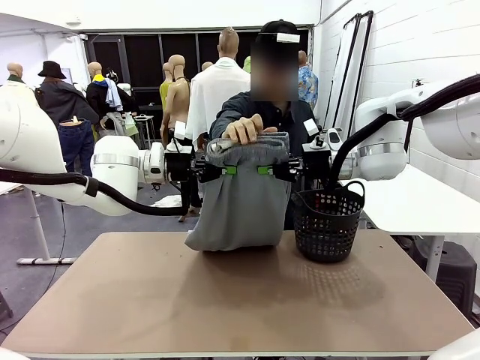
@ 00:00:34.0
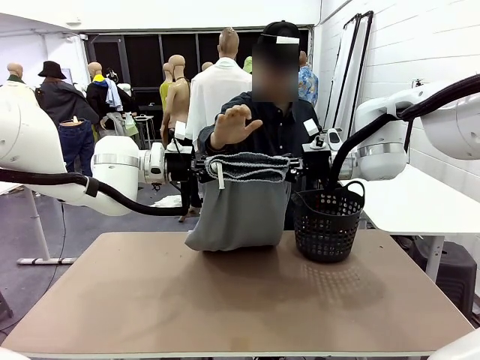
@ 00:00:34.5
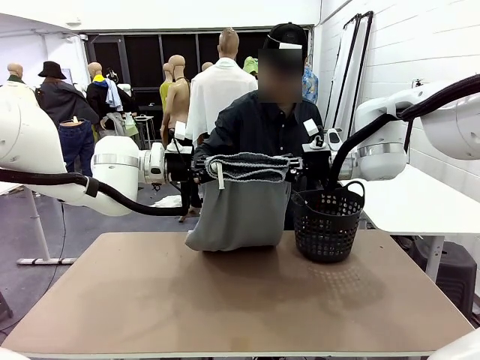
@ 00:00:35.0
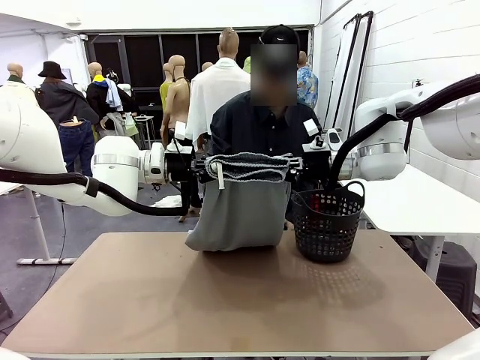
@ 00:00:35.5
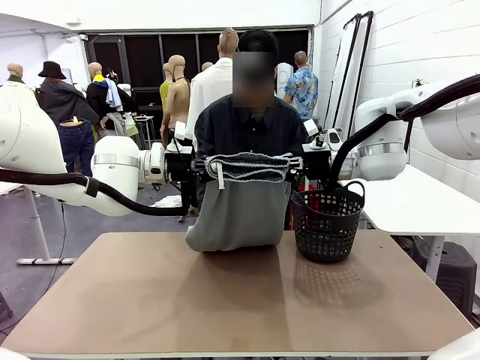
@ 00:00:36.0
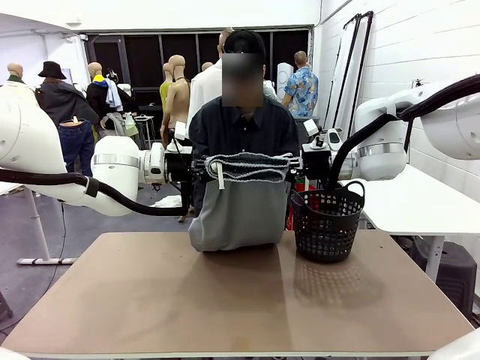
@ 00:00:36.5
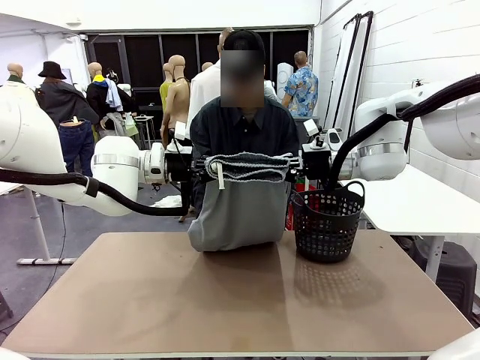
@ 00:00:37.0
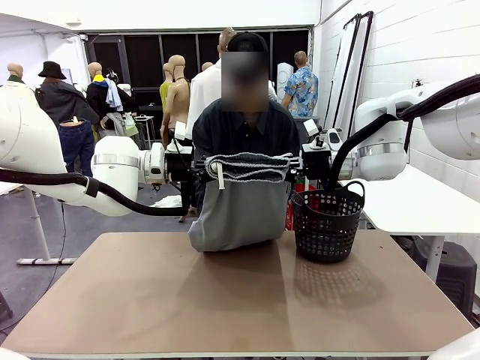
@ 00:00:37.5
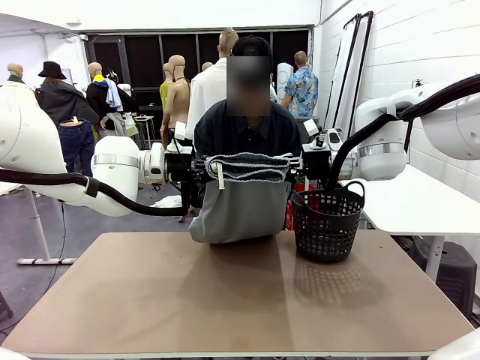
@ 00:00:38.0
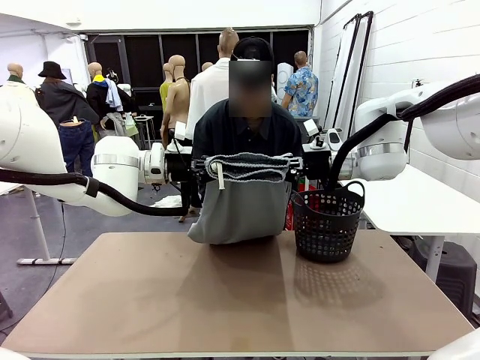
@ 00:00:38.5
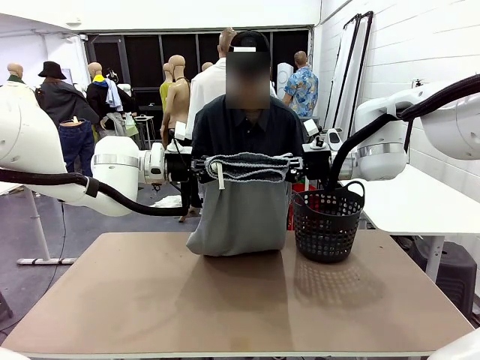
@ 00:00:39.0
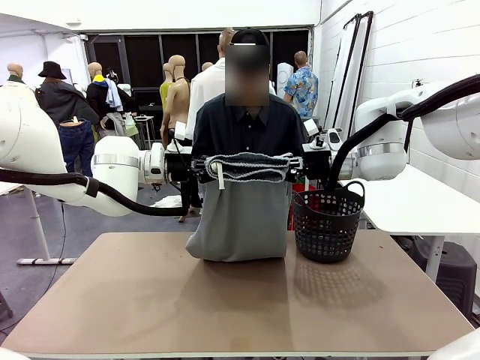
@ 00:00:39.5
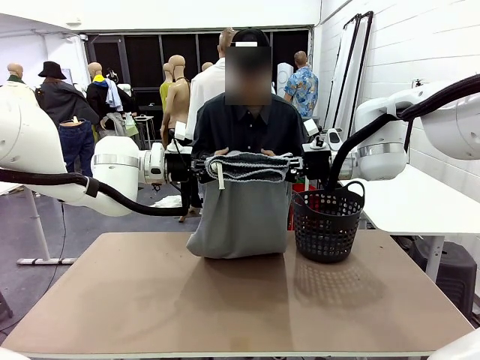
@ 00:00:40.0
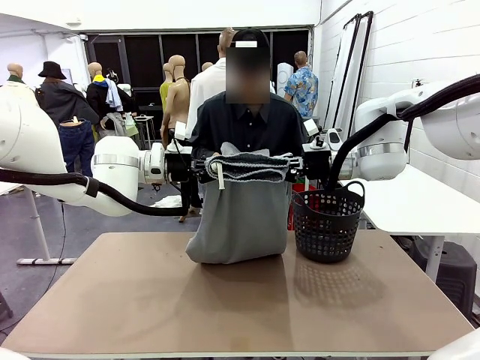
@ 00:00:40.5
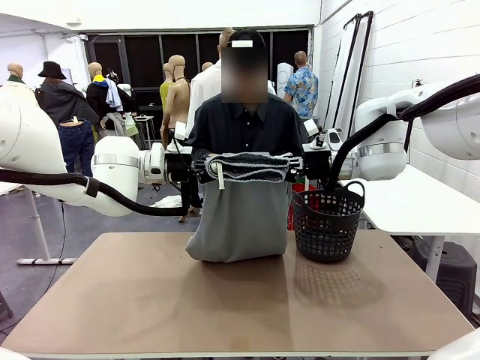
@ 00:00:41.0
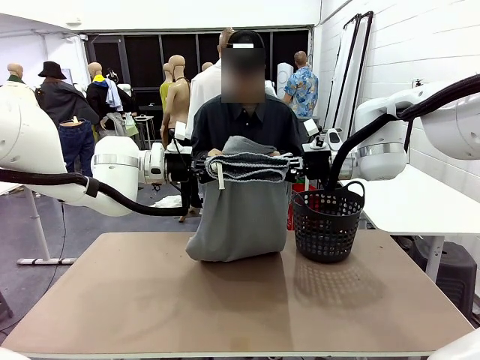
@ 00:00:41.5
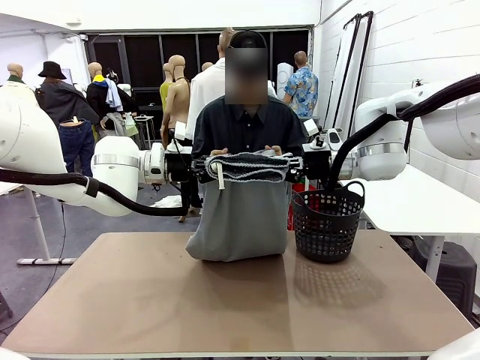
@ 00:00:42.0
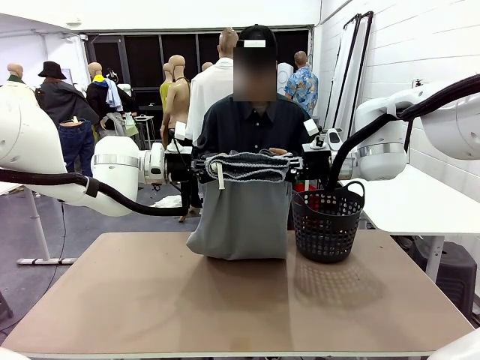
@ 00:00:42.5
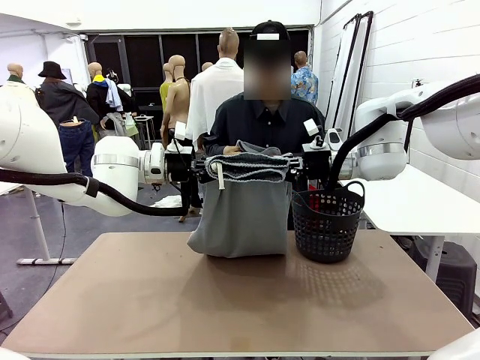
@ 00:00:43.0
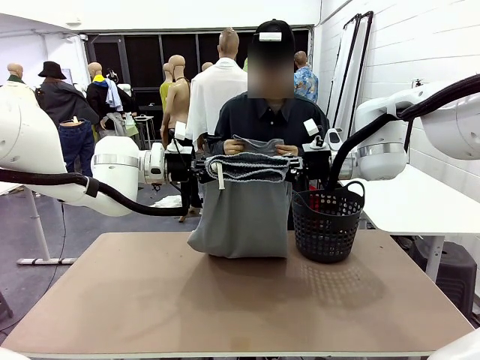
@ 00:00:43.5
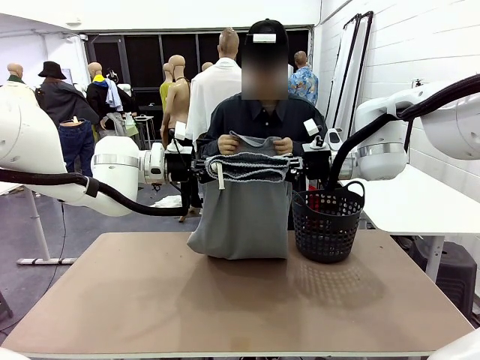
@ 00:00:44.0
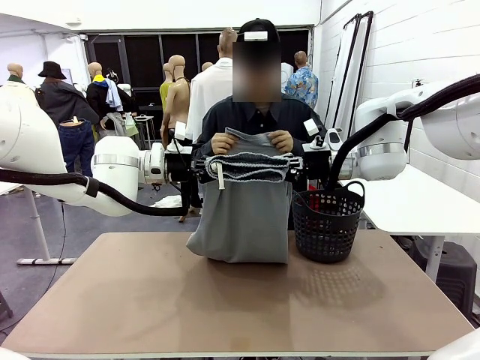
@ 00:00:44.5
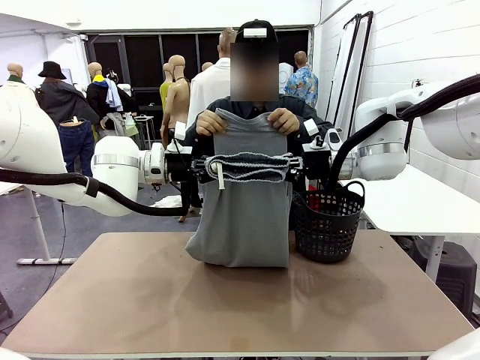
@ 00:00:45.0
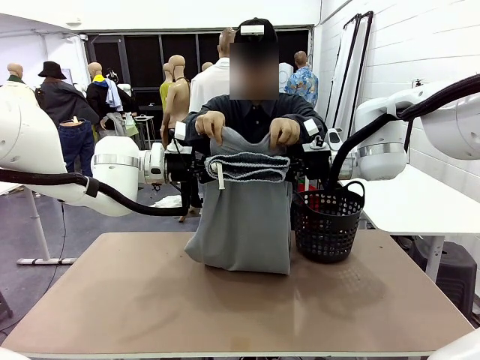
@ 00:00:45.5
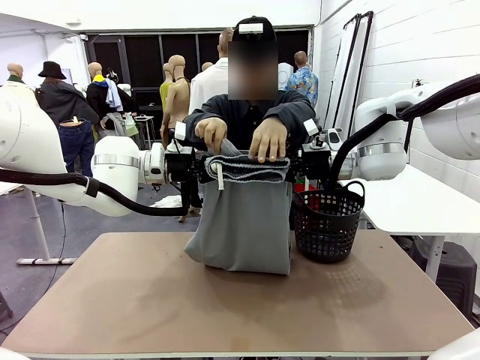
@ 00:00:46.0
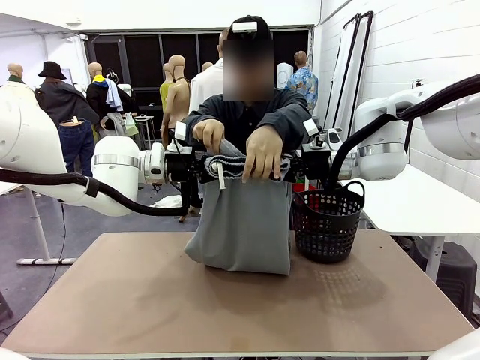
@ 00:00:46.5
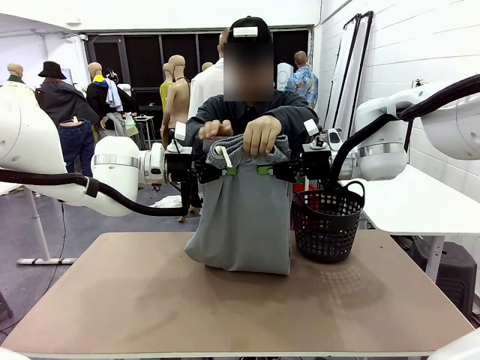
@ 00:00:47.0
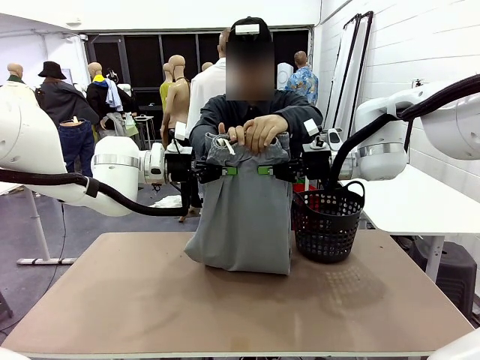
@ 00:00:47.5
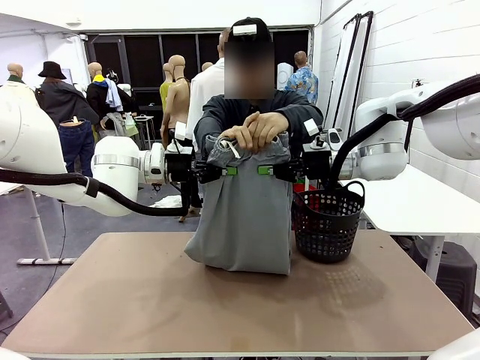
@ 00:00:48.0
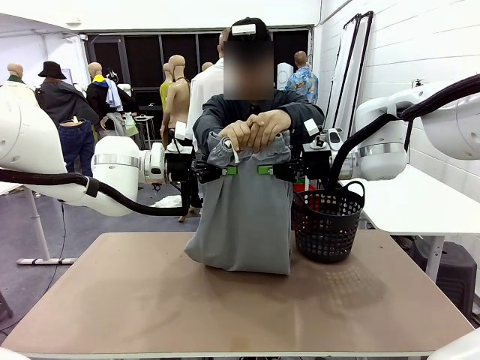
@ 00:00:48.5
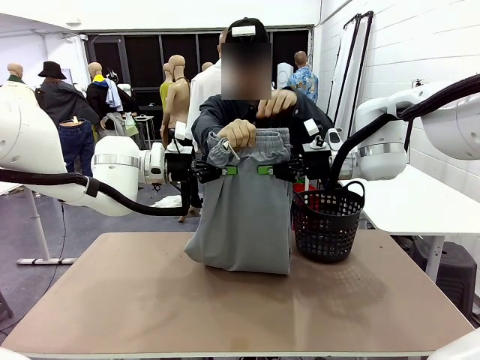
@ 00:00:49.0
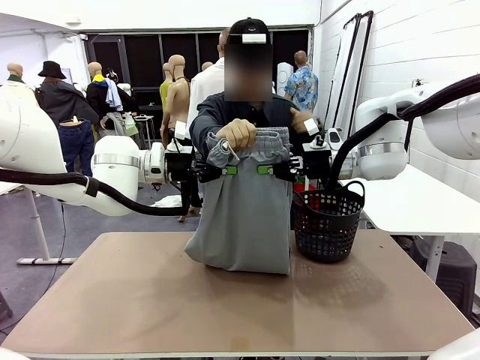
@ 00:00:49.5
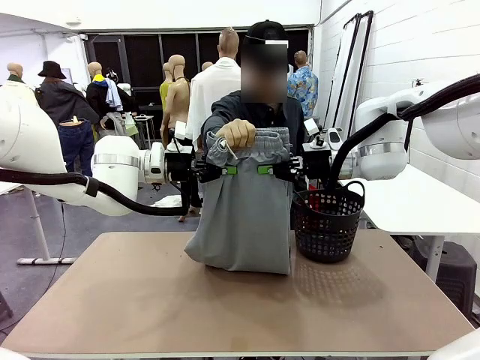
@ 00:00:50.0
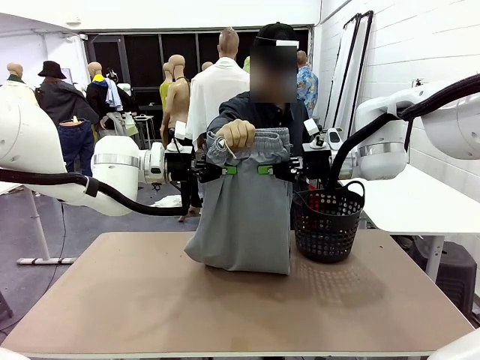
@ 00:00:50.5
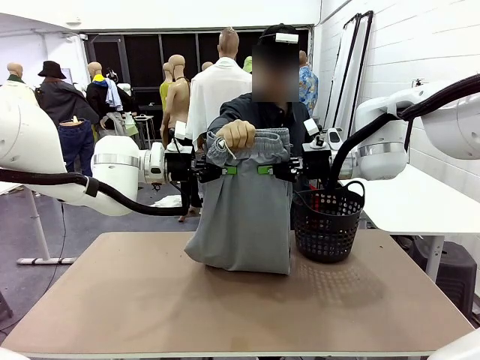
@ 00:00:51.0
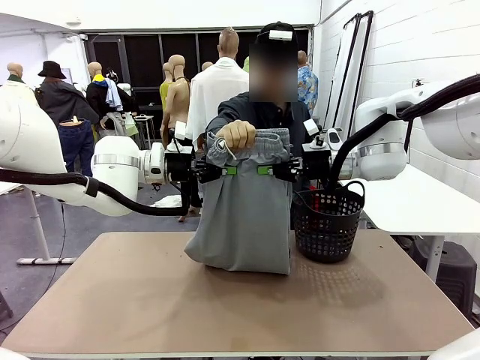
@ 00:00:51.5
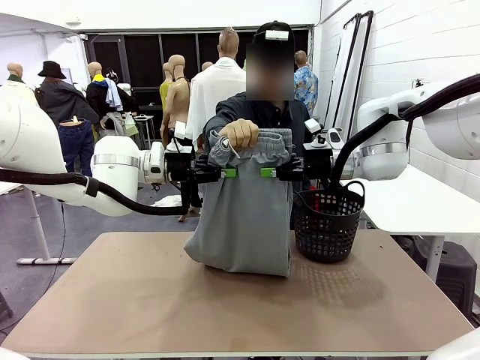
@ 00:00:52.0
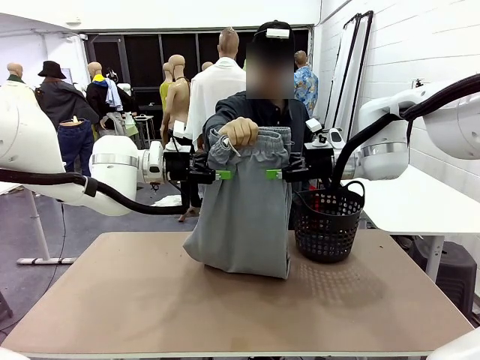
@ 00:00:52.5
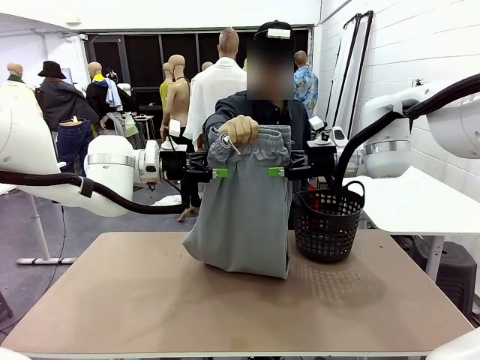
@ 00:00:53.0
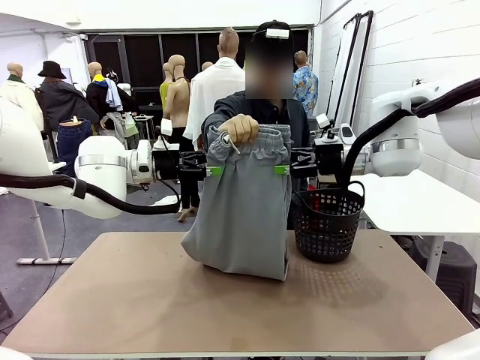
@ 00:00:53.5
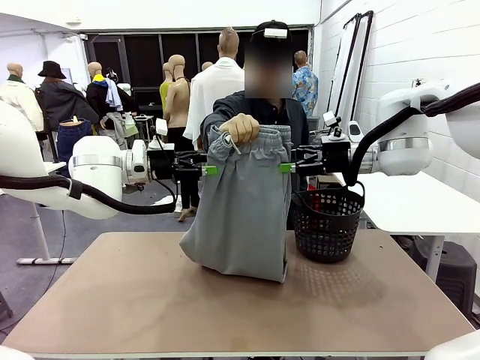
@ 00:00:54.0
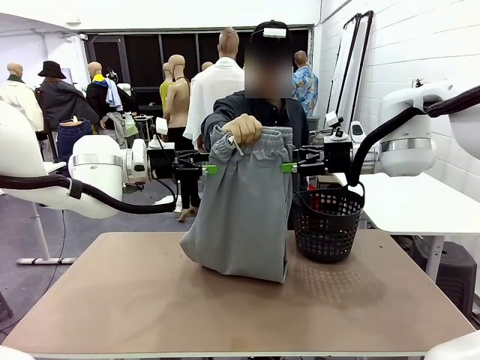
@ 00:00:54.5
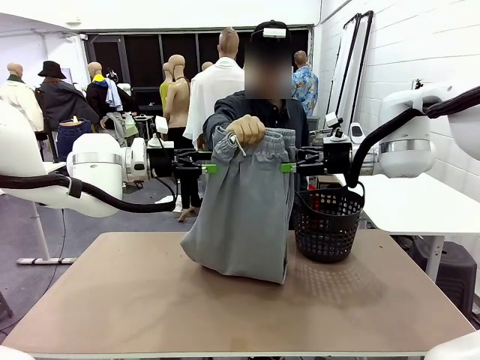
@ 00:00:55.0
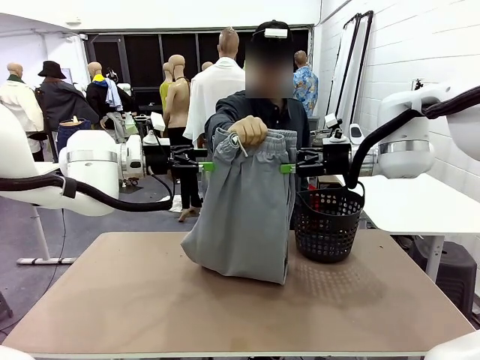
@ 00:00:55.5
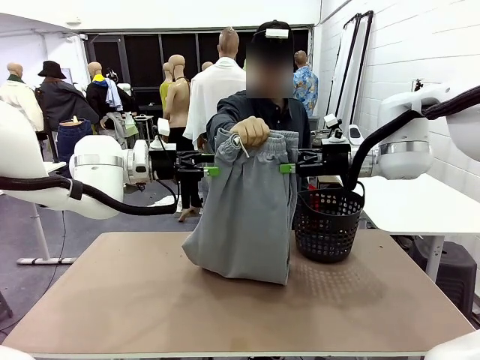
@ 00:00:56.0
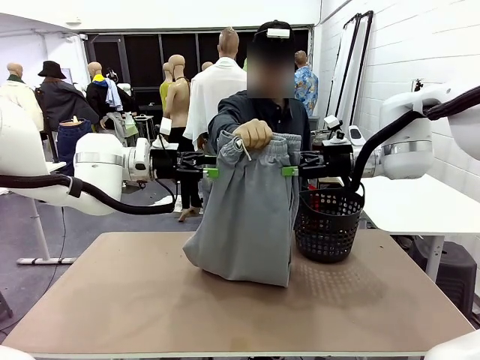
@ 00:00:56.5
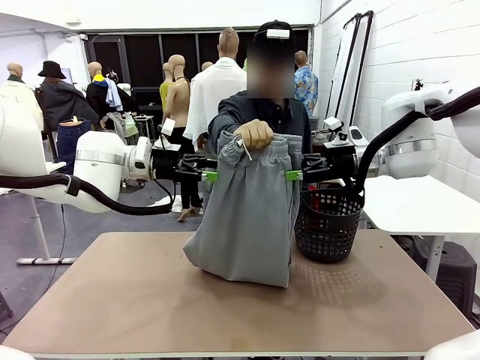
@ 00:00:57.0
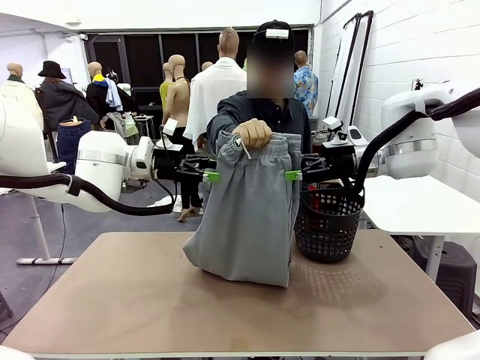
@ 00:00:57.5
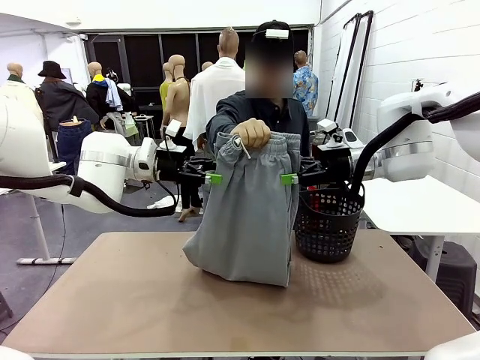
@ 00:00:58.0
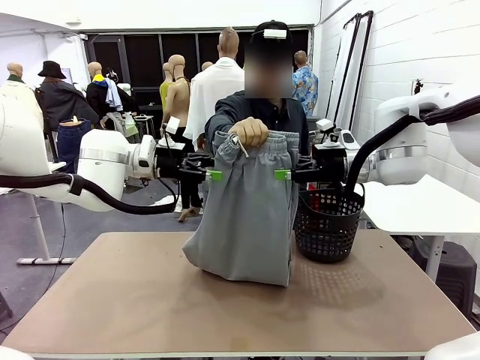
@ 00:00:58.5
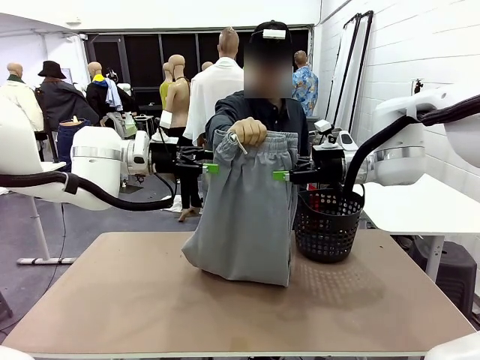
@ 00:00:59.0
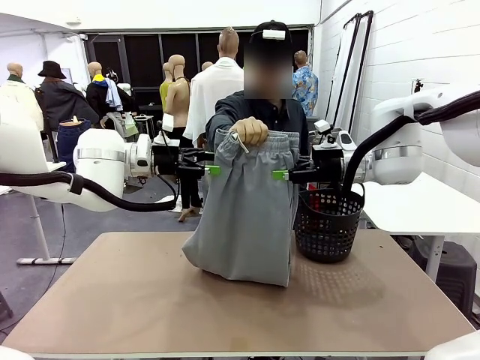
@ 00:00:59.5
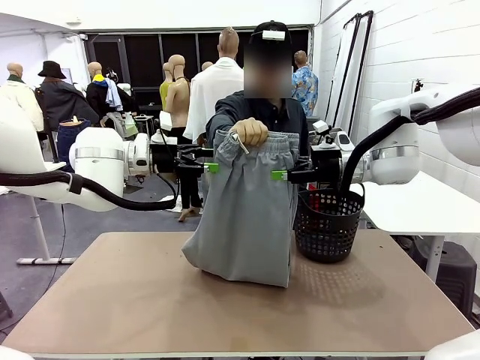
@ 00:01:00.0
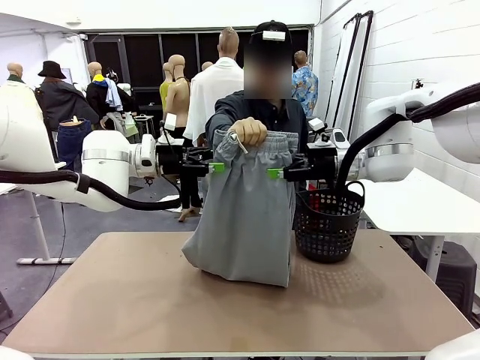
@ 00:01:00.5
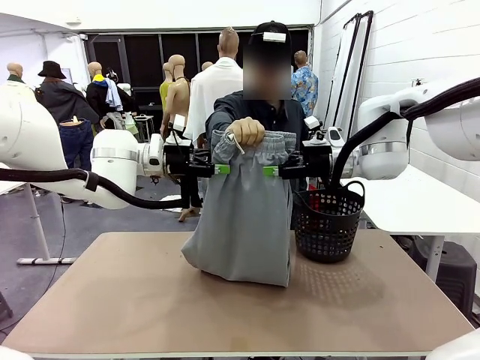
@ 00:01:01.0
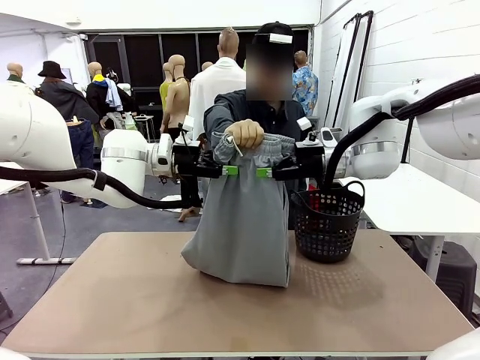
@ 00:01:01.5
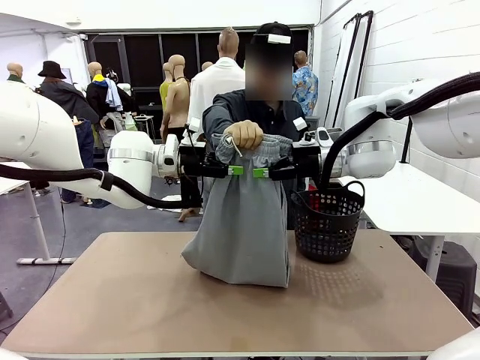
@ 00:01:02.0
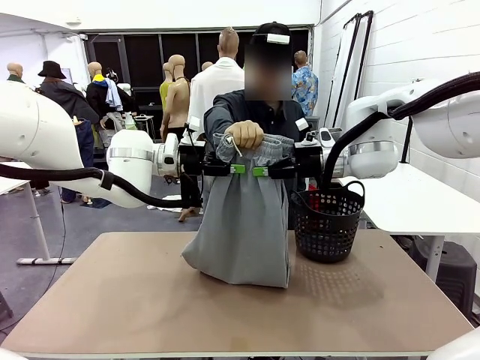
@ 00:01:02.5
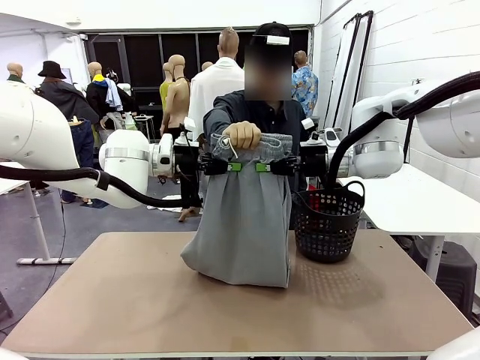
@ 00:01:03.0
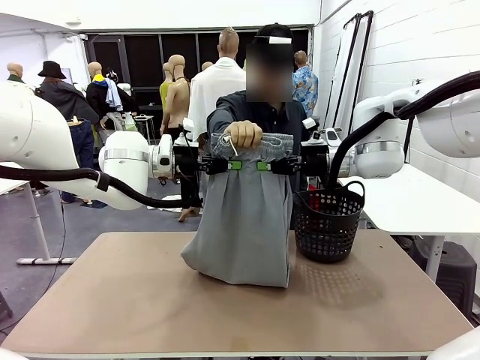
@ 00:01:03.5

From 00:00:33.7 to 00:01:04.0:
Task: Fold the training pants.
Robot: Release the ends of the Training pants and then grab the overlapped ends.
Person: Grasp the end opposite the point the robot is holding, fold the pants in half, and then grasp the overlapping top end of the folded pants. Release the pants you were holding.
